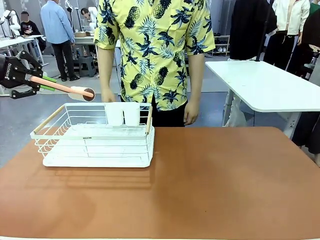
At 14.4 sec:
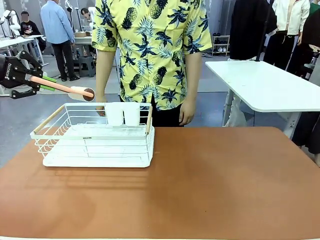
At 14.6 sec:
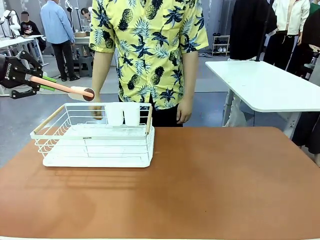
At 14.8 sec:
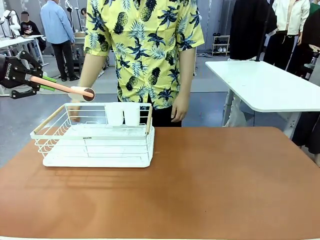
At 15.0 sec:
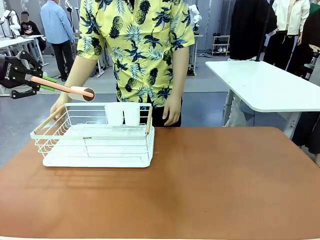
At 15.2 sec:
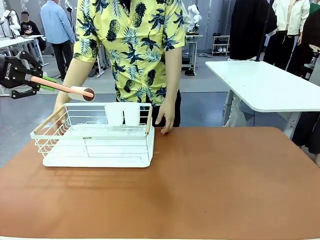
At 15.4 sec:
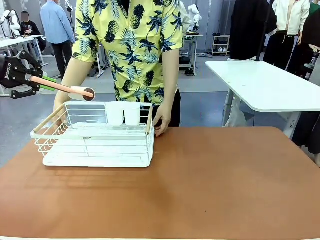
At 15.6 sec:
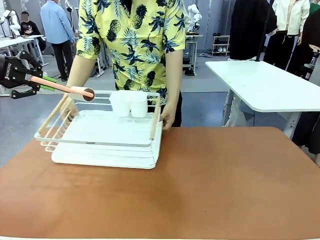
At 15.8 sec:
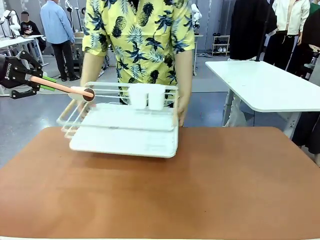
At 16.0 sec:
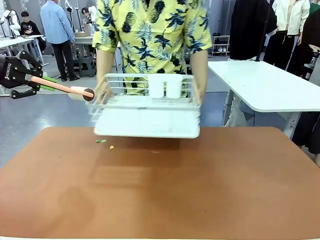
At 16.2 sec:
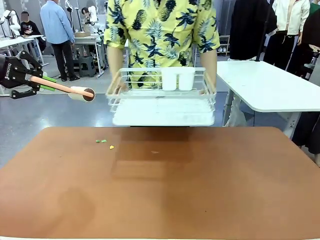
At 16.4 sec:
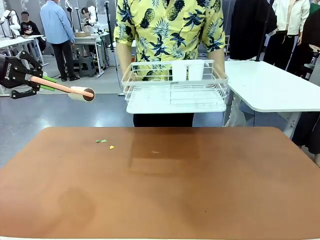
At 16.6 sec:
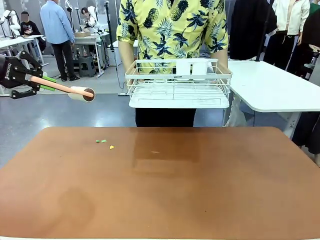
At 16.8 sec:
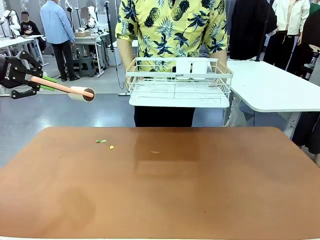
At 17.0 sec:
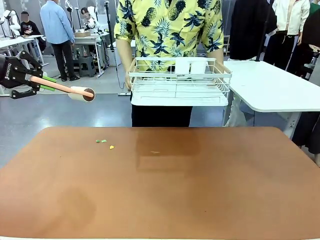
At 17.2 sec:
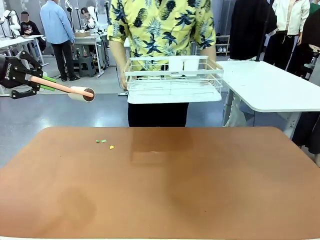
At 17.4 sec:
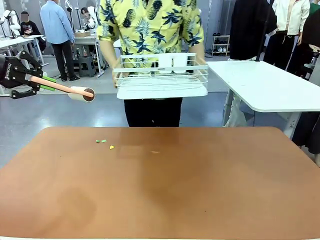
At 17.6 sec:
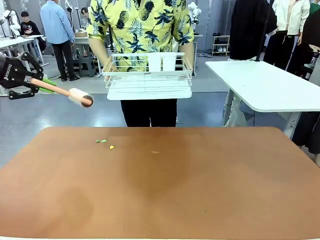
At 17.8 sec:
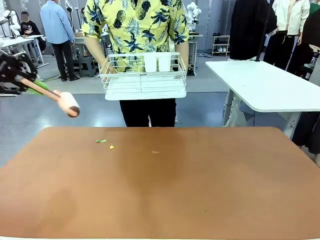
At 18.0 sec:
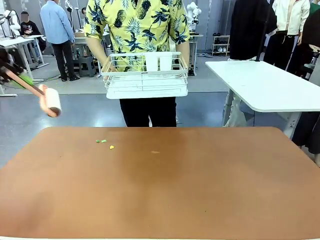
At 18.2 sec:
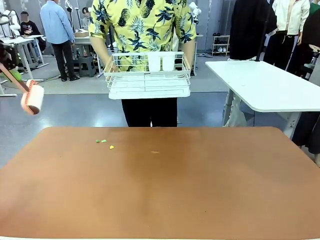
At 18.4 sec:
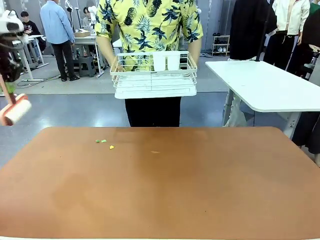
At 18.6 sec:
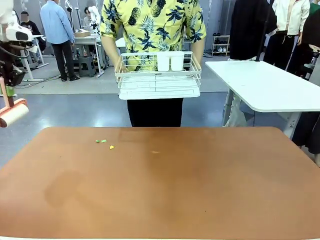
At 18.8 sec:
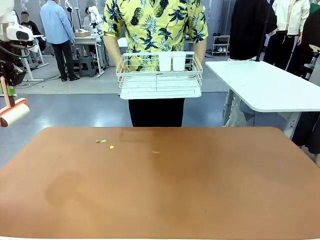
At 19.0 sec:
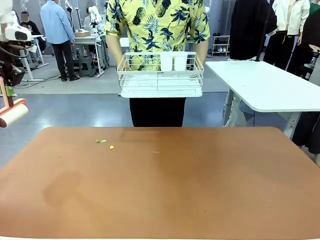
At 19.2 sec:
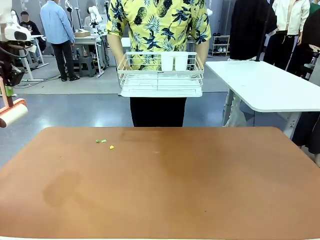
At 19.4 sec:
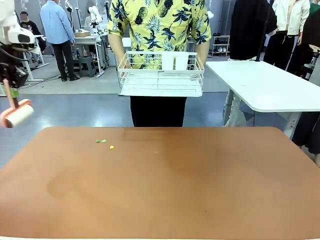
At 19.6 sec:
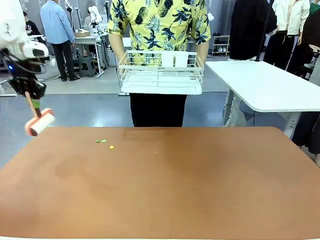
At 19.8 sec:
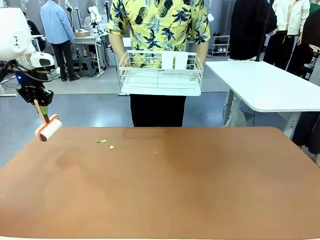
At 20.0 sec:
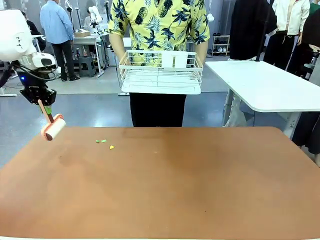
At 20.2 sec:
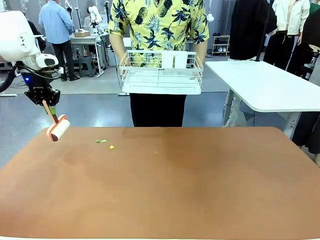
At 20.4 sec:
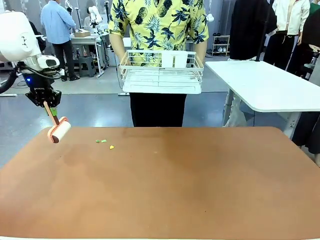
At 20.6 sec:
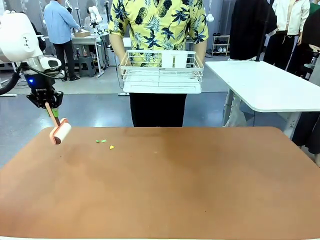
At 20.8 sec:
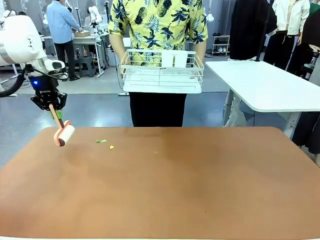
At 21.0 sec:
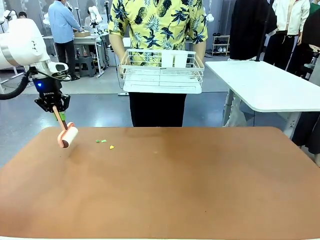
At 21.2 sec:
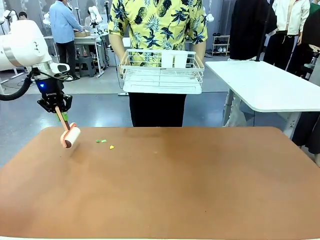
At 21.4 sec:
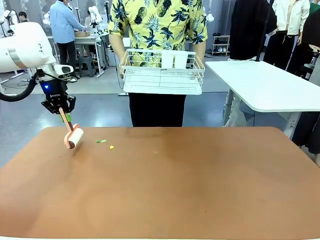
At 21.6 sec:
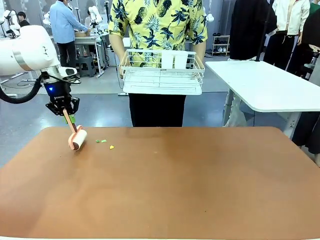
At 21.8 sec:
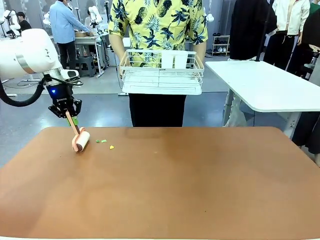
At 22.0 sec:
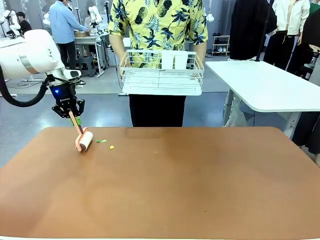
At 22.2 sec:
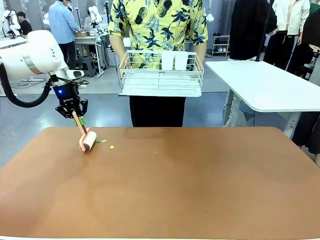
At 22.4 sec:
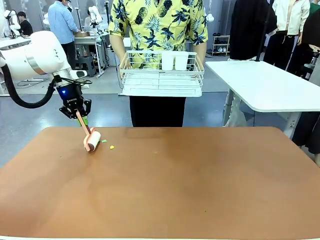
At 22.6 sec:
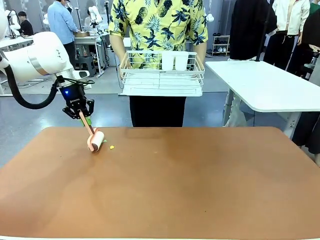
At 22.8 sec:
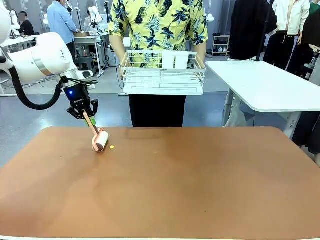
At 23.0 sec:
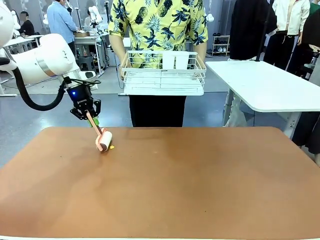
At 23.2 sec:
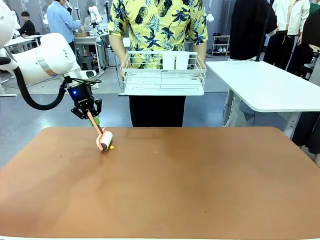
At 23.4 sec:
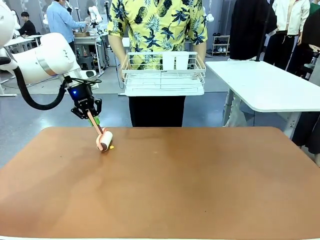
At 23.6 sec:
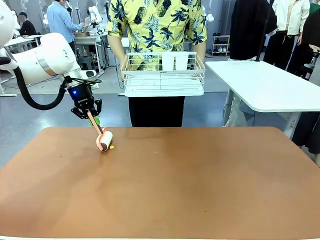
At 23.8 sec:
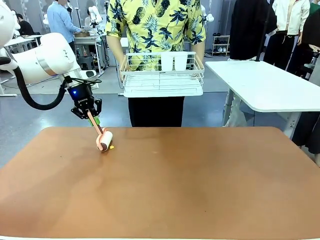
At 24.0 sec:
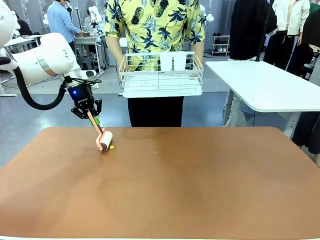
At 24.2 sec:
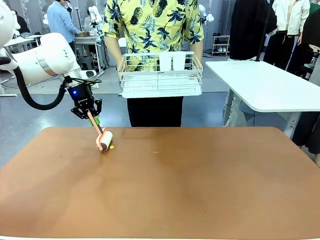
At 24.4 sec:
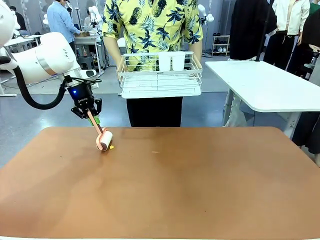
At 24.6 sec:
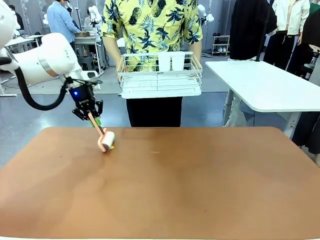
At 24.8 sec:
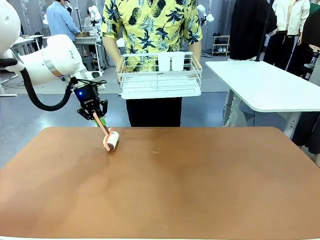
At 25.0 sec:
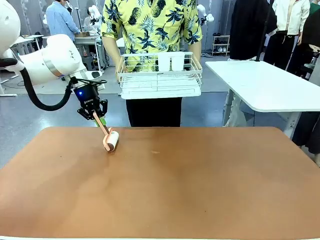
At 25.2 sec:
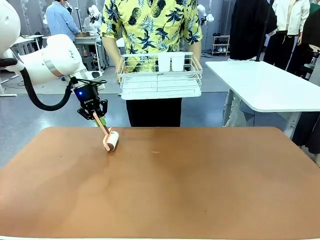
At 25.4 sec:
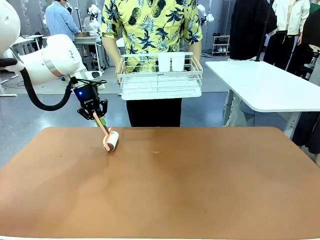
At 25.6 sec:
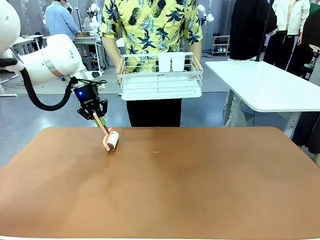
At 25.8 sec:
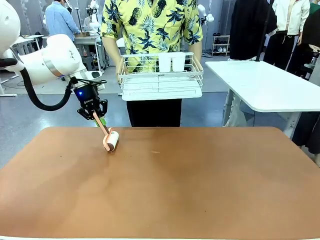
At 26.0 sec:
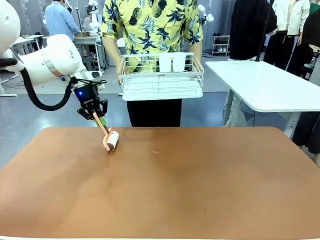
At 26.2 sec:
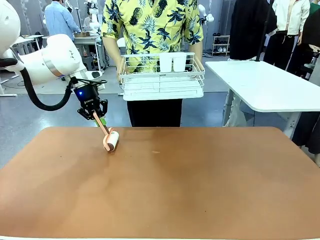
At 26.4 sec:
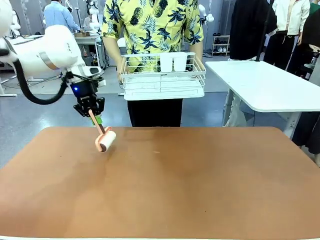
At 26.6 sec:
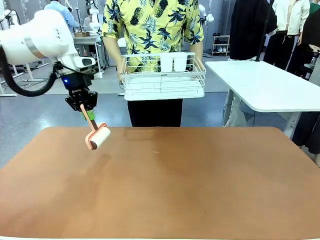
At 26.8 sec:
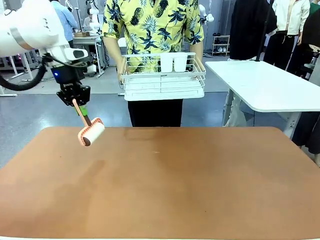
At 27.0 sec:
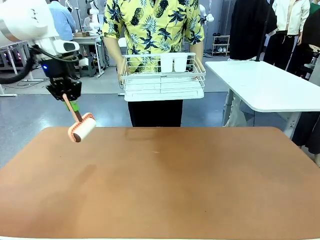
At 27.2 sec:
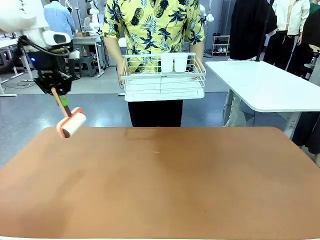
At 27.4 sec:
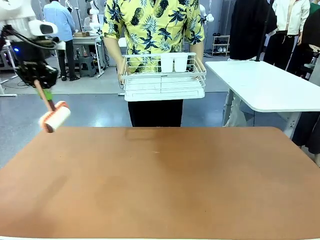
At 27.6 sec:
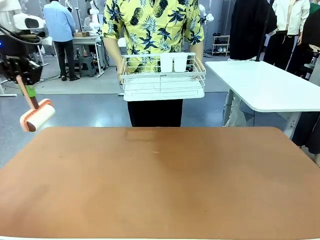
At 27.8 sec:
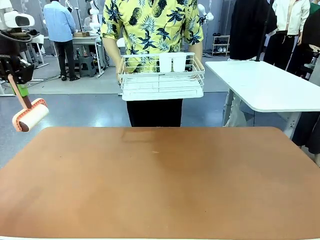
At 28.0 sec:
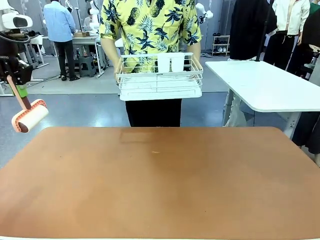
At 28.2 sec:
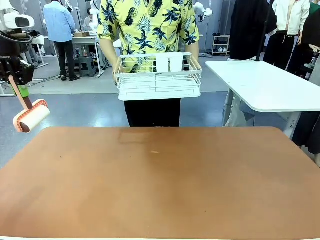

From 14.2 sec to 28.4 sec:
Task: Clean the table.
Robot: Clean the table with the Lint Roller when the human lifts the Dish drying rack.
Person: Place the Dish drying rack down when the robot finishes cleaning.

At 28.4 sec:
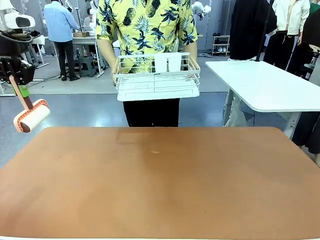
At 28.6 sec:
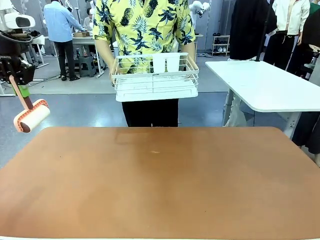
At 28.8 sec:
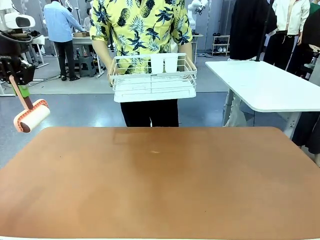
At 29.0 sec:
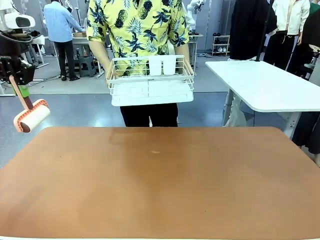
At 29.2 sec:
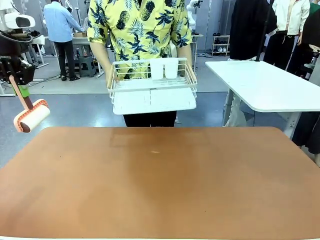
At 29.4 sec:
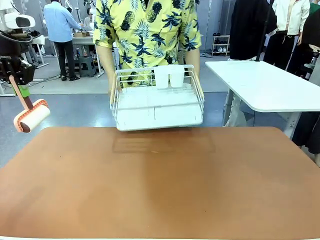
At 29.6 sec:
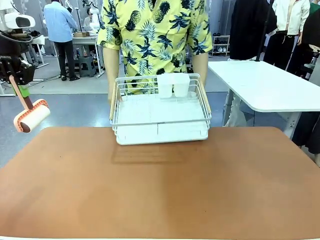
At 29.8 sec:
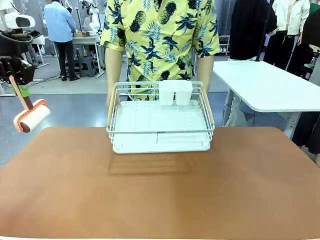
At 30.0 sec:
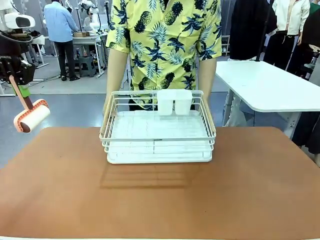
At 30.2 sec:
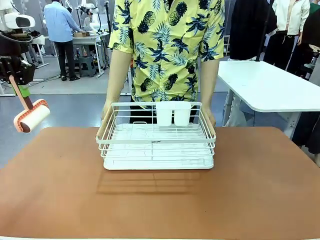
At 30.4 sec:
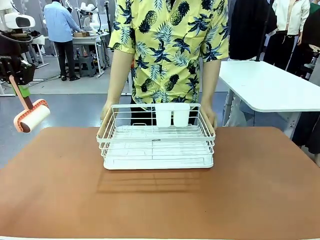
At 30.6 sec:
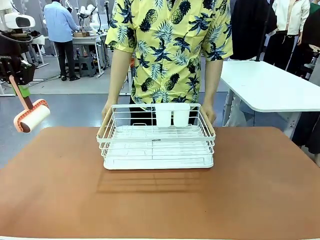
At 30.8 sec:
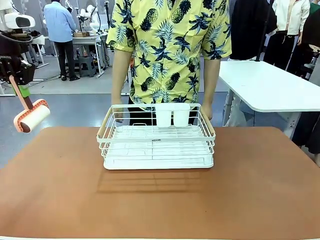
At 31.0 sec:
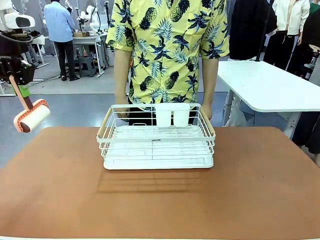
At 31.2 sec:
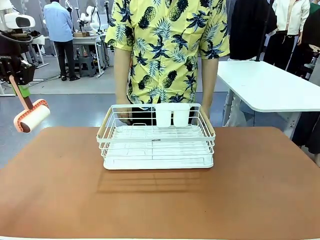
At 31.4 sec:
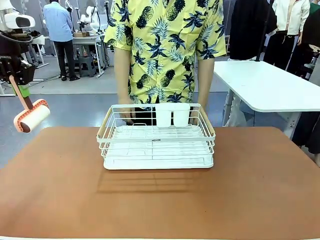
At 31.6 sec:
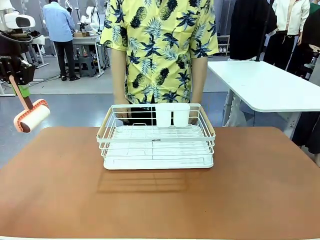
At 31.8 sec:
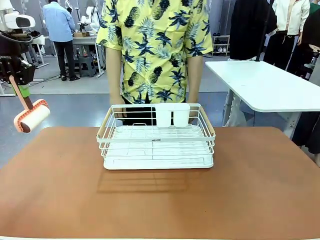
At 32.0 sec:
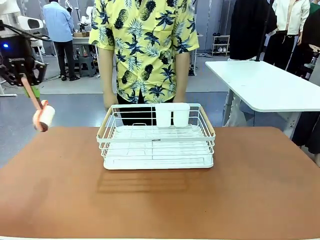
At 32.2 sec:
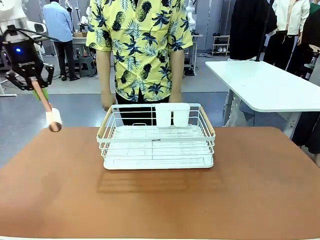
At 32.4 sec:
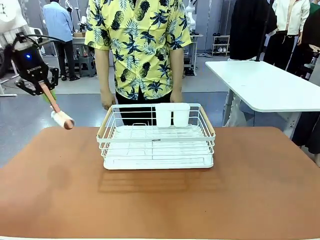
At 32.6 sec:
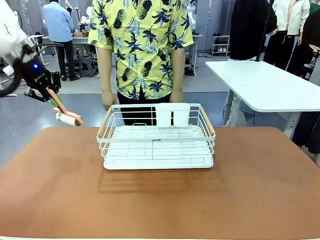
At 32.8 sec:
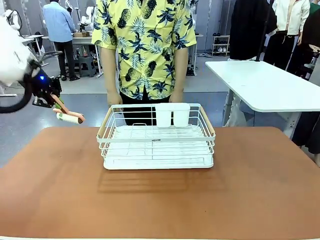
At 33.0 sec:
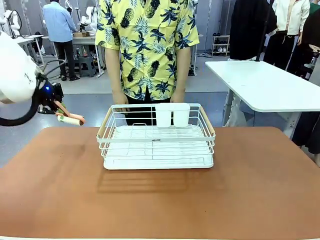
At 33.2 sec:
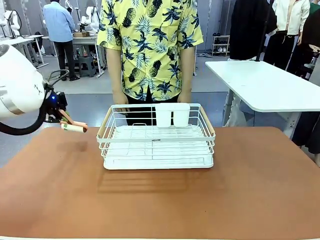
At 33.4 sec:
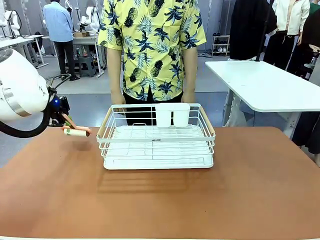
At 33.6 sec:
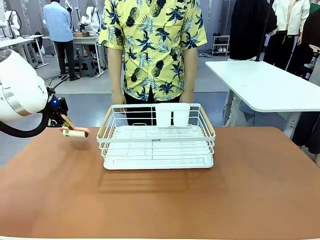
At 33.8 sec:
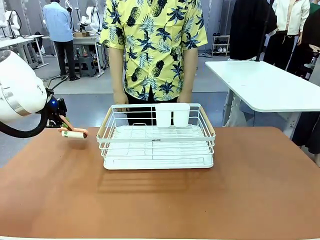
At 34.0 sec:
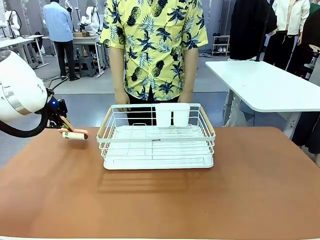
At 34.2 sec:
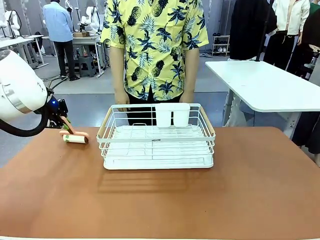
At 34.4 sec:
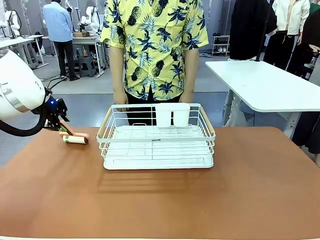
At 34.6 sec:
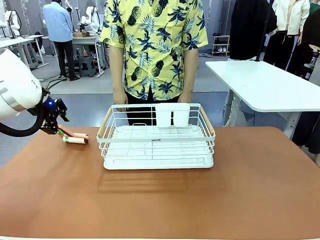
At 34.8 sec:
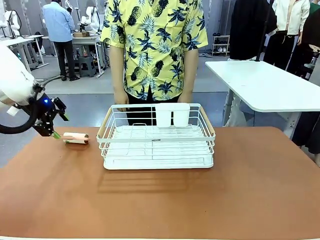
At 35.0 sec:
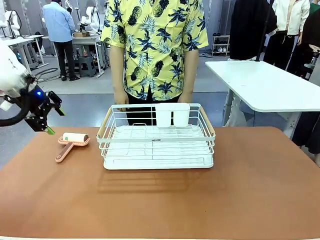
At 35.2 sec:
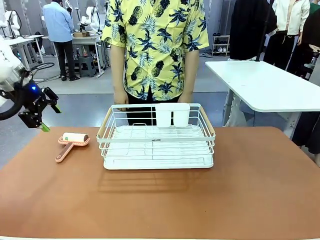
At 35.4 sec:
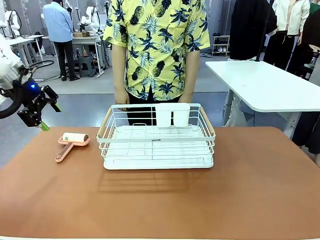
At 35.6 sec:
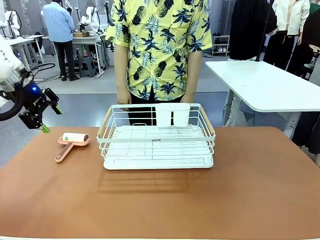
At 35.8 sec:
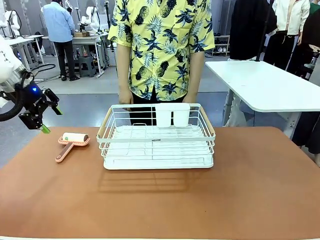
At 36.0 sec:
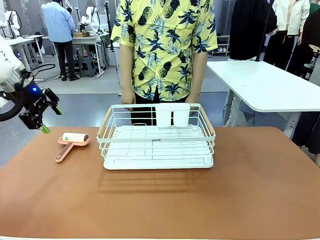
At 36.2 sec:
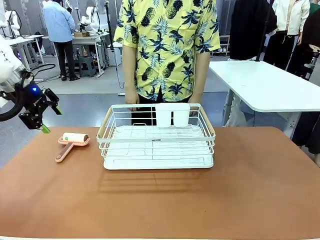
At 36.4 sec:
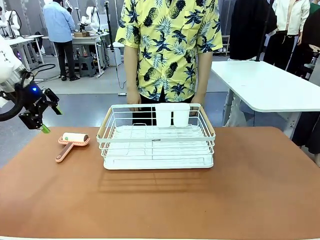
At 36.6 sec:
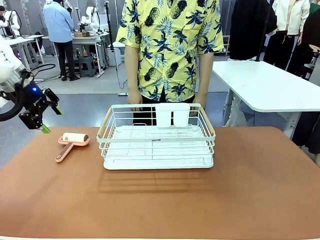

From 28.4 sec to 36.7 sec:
Robot: Place the Lint Roller down when the Dish drying rack is positioned in the middle of the table.
